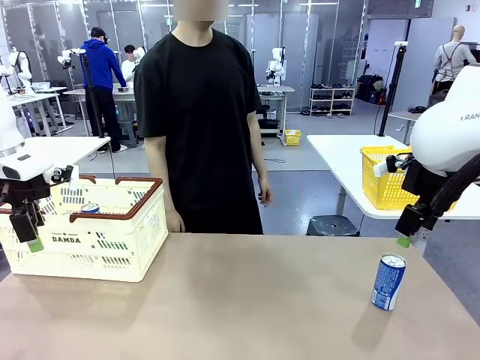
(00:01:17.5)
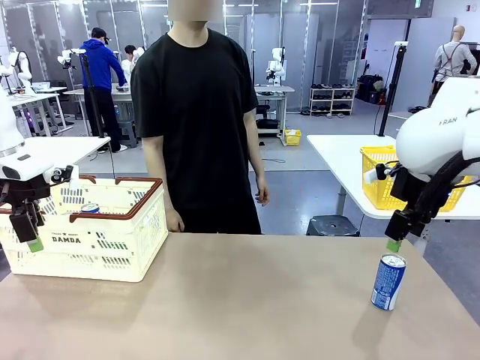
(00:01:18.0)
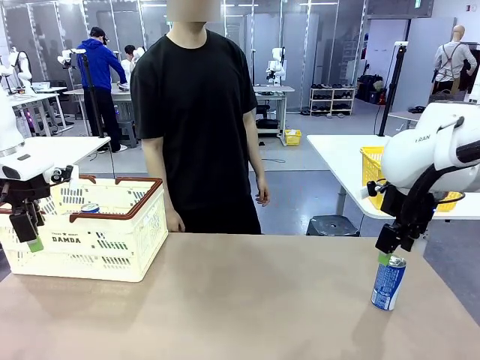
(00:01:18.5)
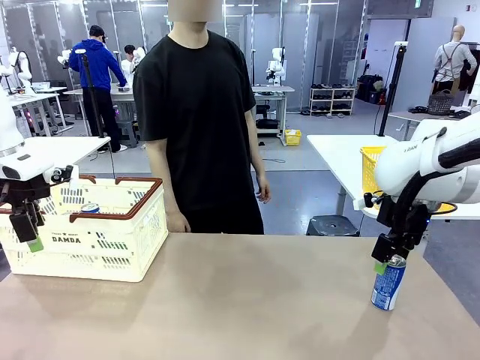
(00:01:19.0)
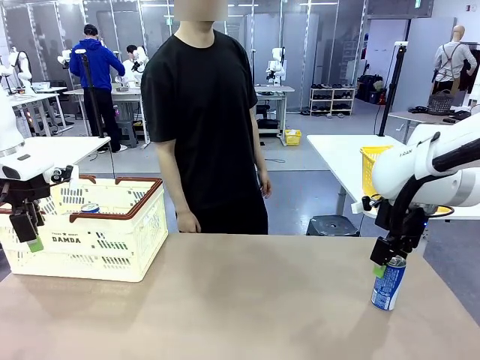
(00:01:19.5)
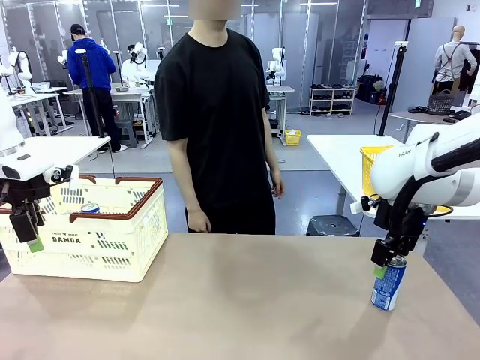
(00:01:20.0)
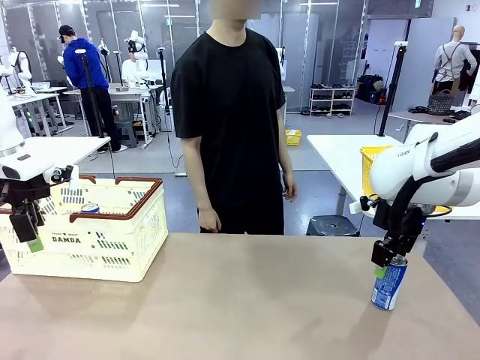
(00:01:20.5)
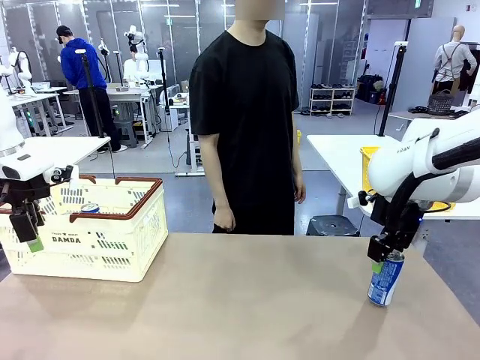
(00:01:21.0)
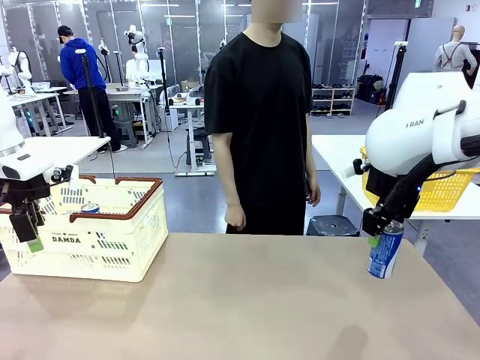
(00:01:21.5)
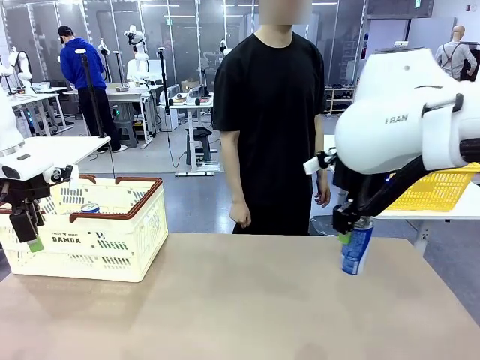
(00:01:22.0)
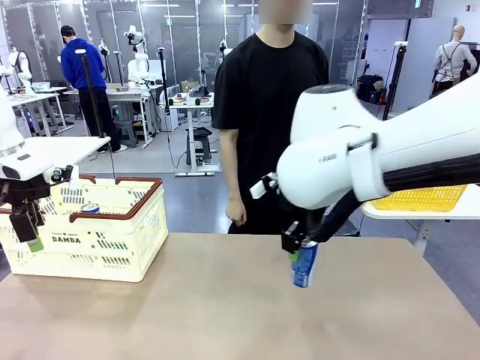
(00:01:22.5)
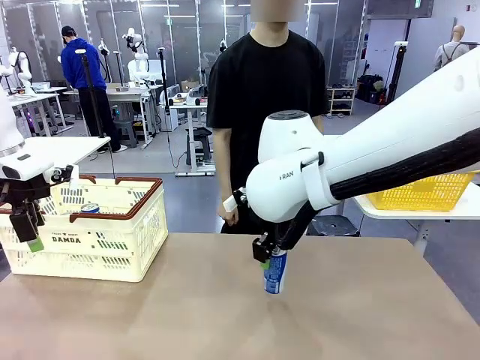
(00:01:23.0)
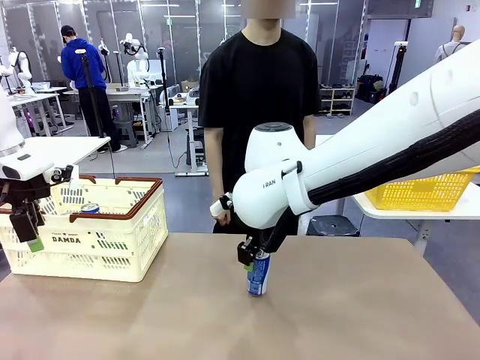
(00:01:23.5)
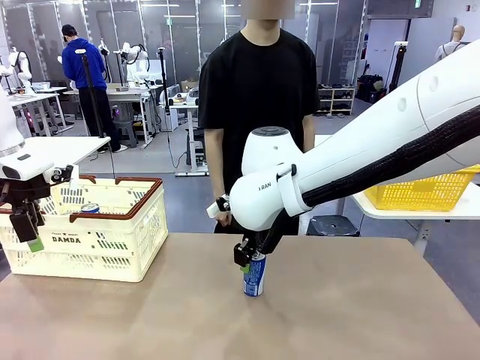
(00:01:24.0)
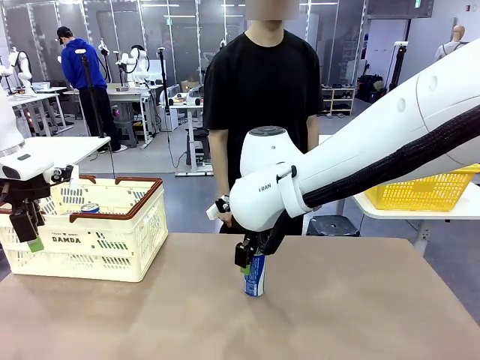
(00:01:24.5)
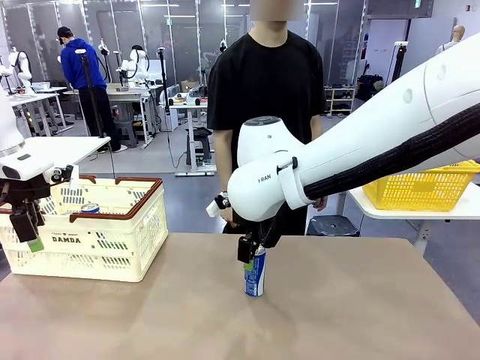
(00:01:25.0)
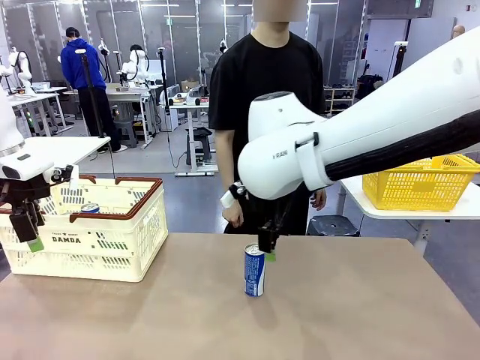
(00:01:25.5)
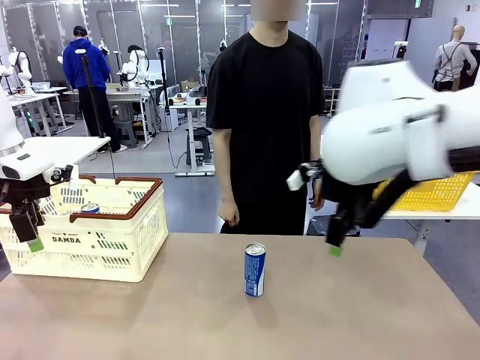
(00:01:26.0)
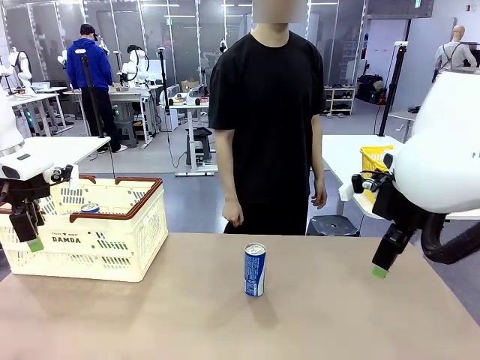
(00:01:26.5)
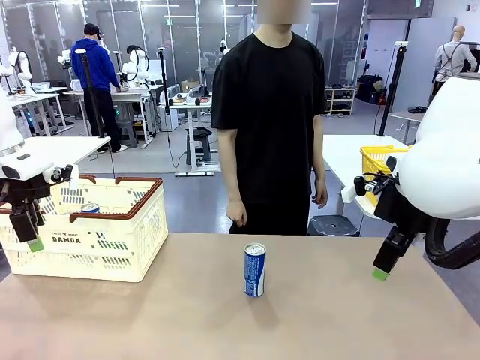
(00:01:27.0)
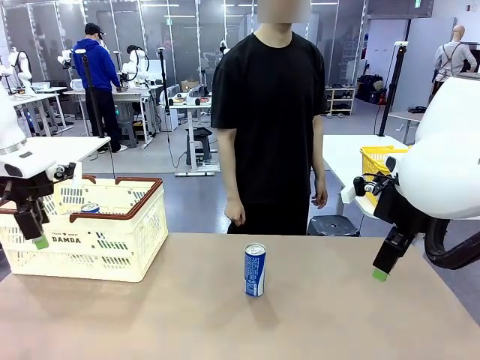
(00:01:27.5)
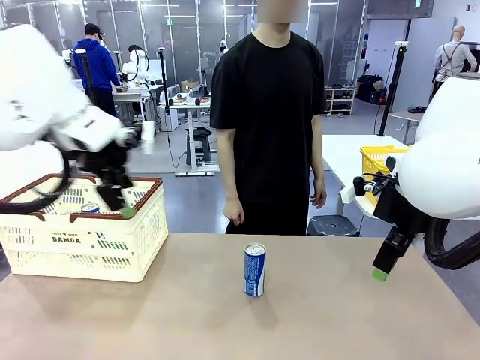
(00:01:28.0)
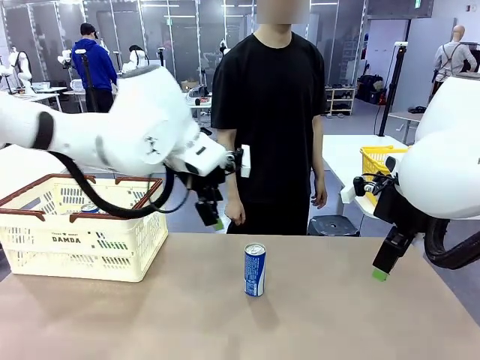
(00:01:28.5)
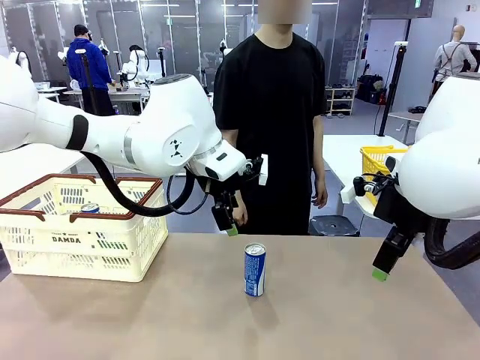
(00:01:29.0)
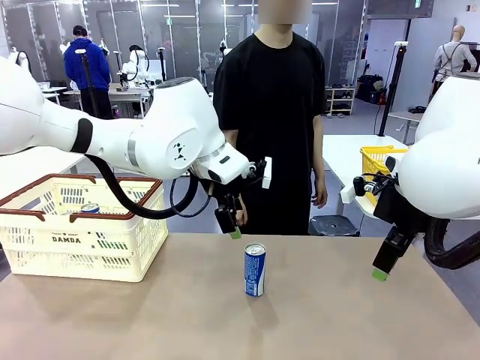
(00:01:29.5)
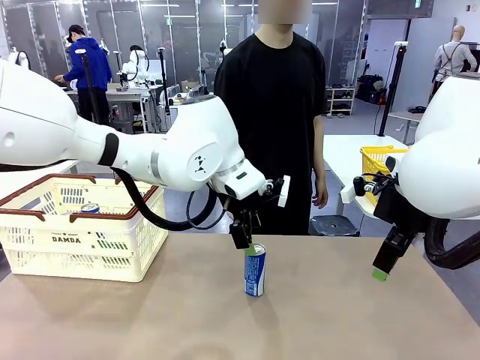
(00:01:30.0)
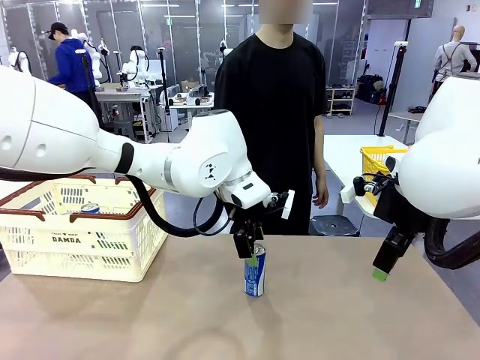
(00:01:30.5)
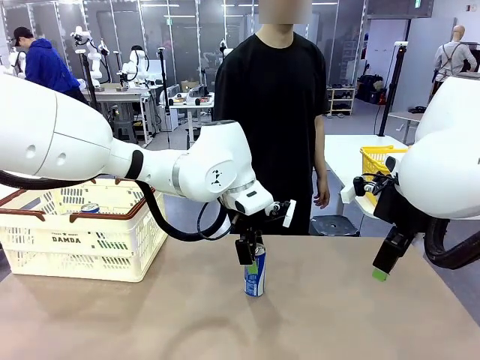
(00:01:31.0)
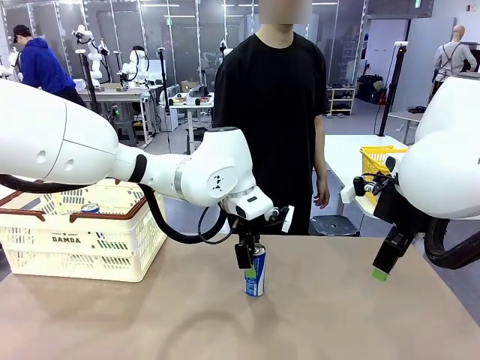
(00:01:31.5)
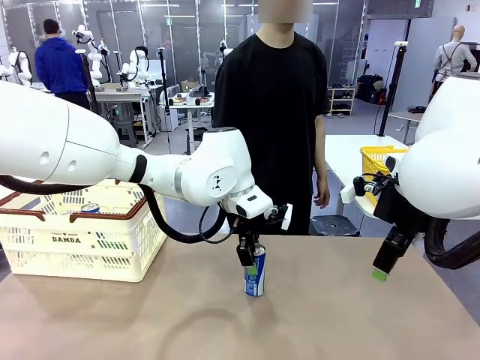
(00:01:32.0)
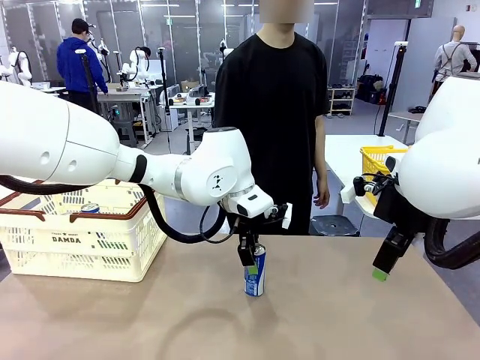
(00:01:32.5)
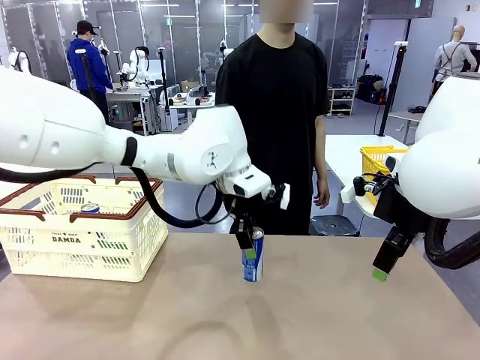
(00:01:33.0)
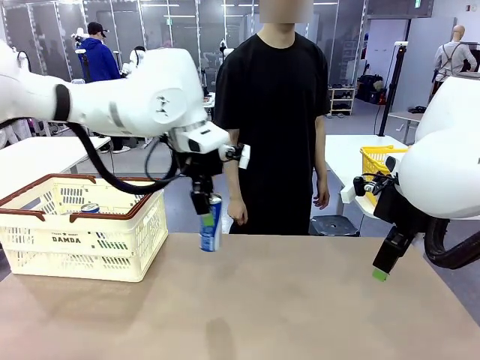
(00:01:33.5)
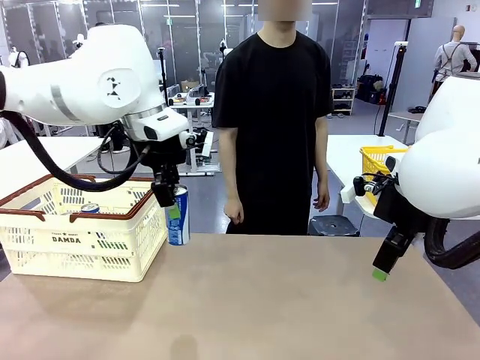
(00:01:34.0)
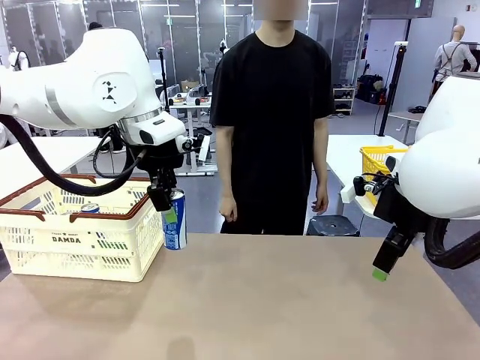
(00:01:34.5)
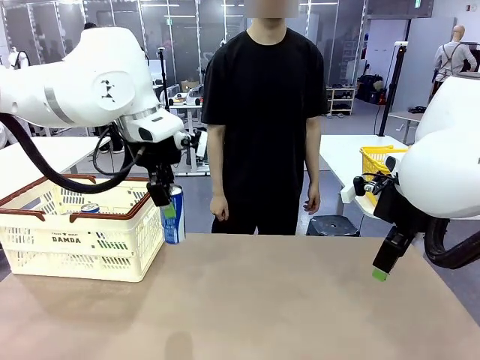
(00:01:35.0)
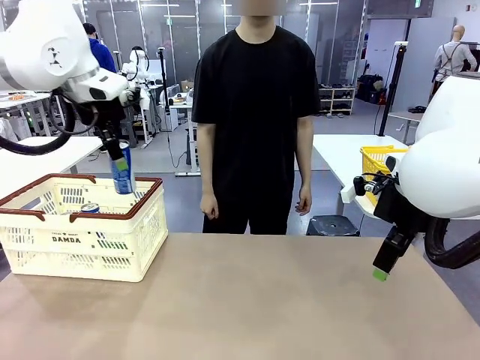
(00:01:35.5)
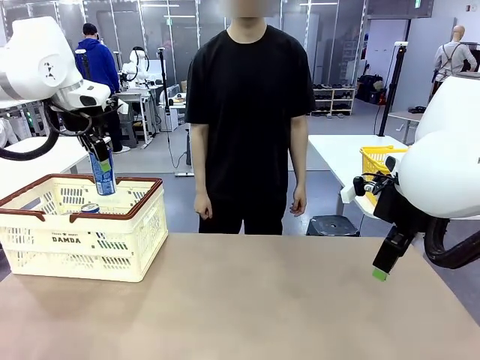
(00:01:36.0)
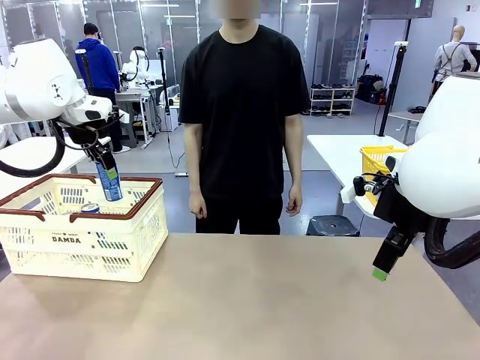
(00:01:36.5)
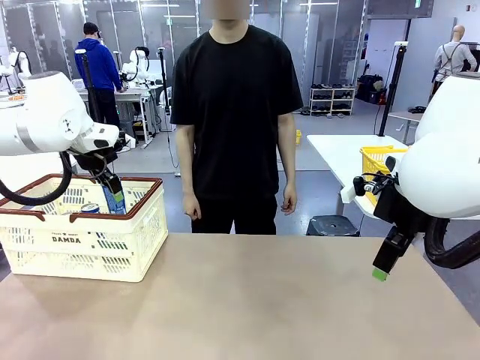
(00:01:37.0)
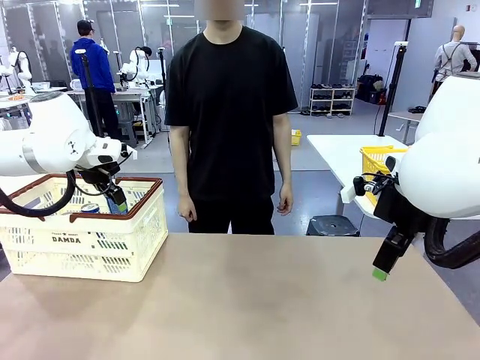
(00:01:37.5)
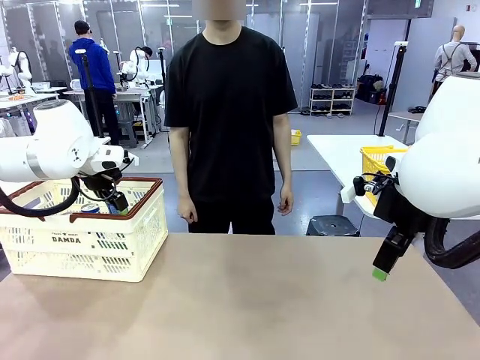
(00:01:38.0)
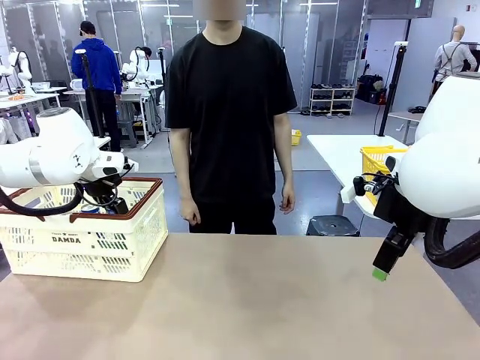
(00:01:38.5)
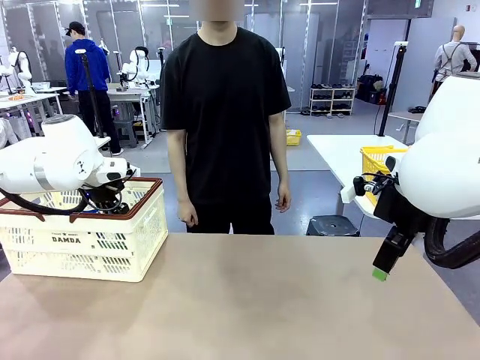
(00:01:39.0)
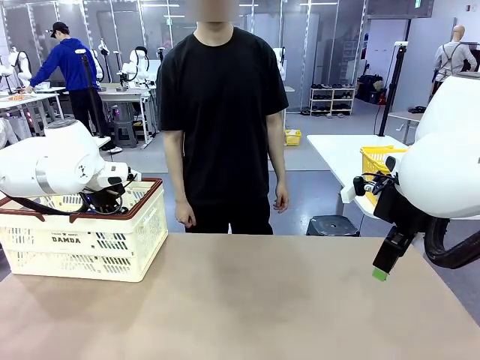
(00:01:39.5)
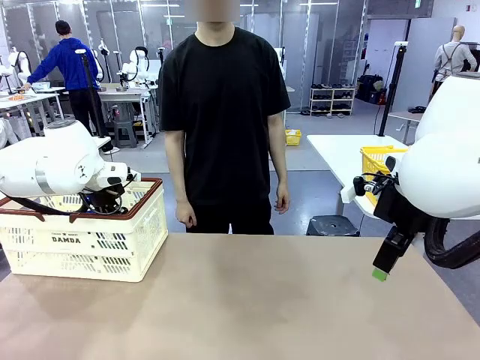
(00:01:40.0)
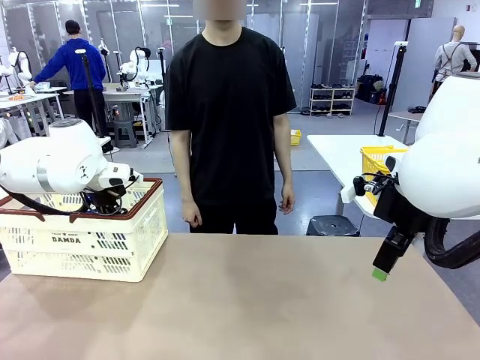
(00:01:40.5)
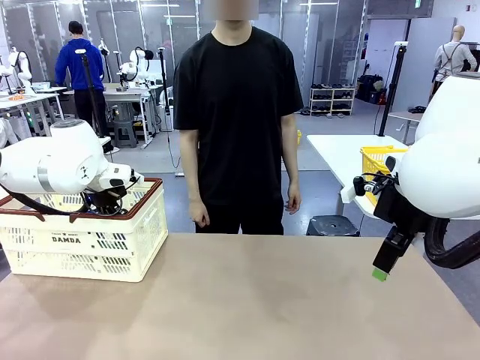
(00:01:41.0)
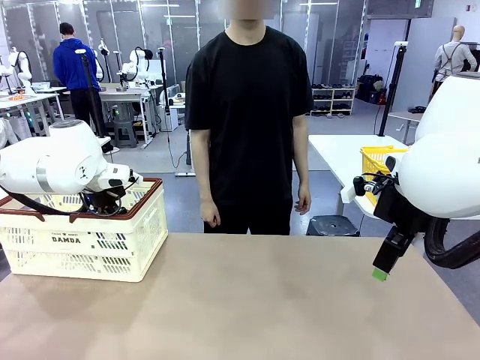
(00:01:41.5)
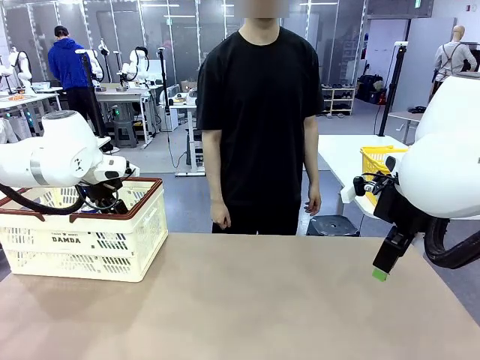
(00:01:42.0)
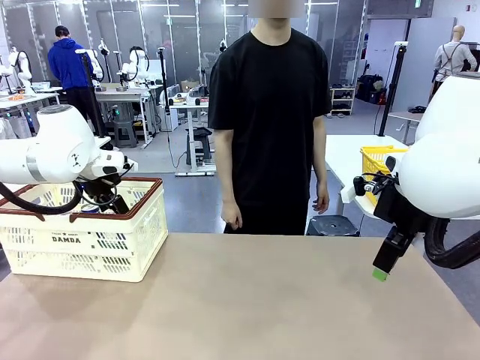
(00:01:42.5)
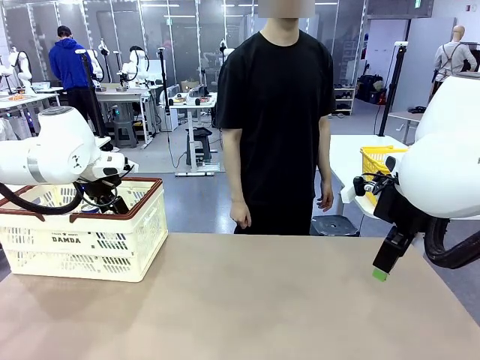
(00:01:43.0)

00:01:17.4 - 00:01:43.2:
Task: Place the drinks into the Shopping basket.
Robot: Pick up one drink and place it into the Shopping basket.
